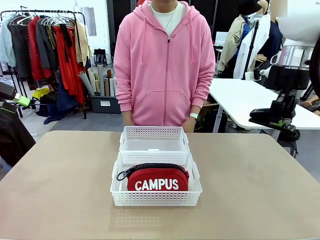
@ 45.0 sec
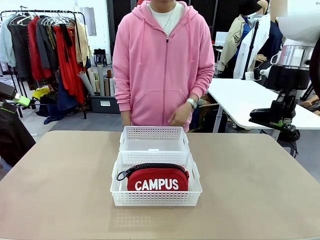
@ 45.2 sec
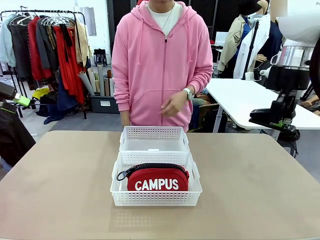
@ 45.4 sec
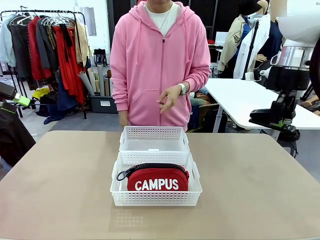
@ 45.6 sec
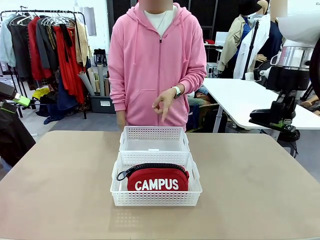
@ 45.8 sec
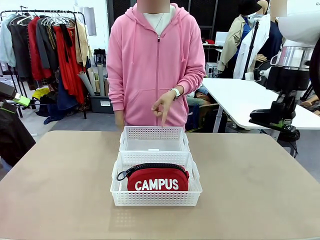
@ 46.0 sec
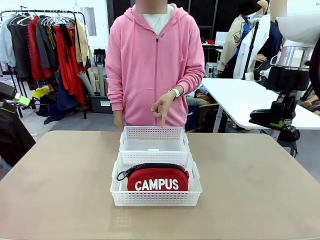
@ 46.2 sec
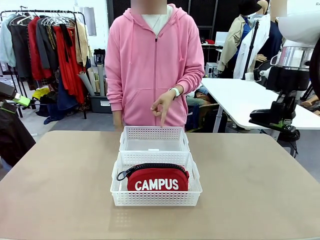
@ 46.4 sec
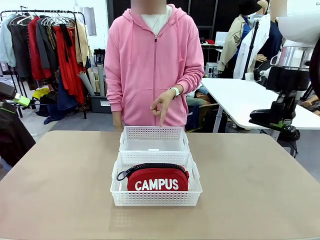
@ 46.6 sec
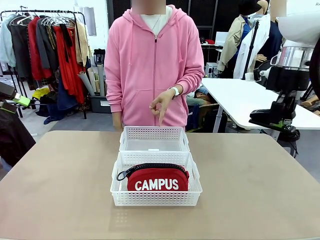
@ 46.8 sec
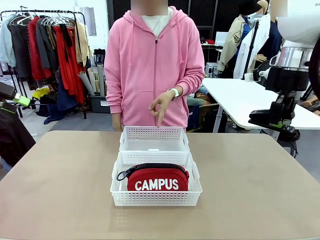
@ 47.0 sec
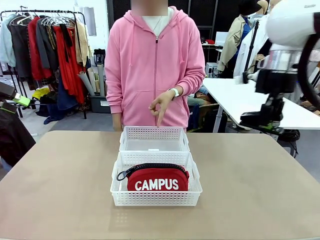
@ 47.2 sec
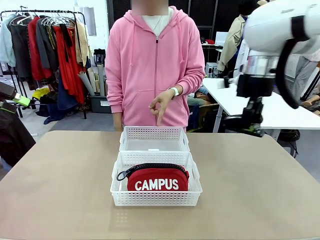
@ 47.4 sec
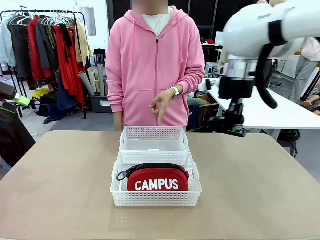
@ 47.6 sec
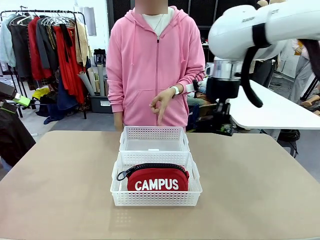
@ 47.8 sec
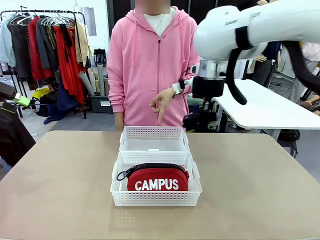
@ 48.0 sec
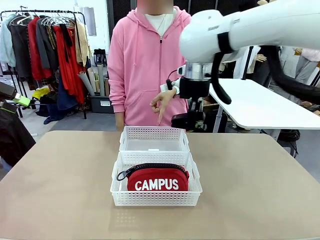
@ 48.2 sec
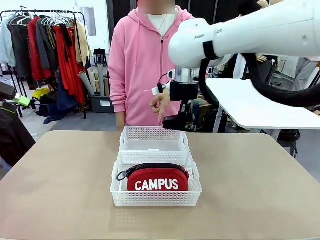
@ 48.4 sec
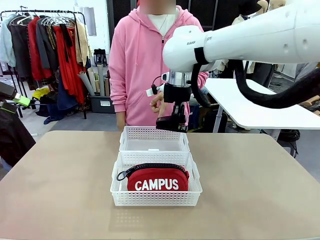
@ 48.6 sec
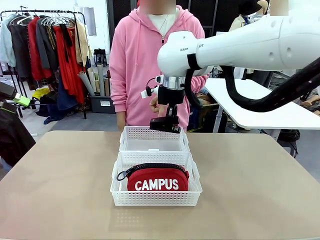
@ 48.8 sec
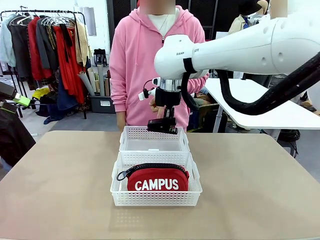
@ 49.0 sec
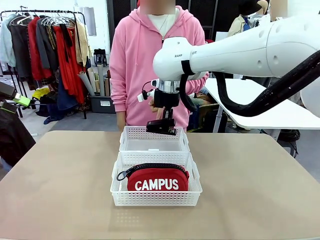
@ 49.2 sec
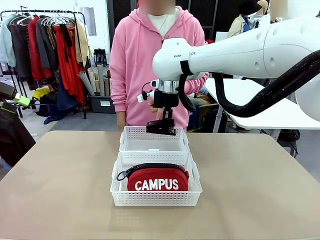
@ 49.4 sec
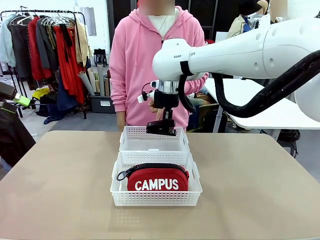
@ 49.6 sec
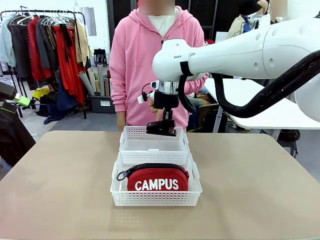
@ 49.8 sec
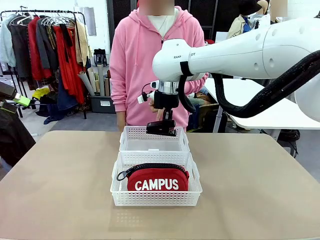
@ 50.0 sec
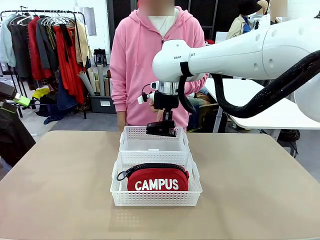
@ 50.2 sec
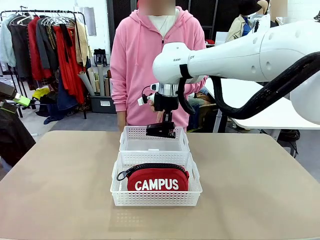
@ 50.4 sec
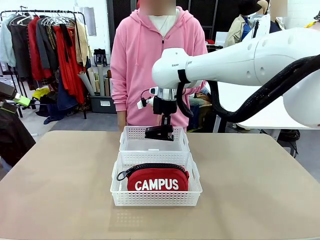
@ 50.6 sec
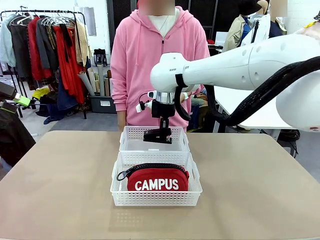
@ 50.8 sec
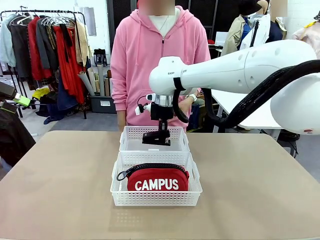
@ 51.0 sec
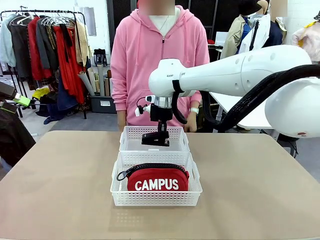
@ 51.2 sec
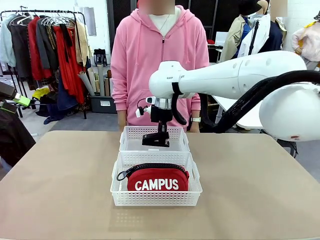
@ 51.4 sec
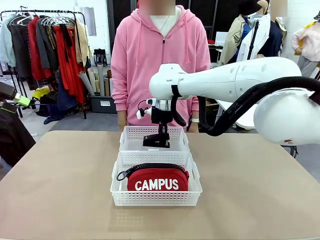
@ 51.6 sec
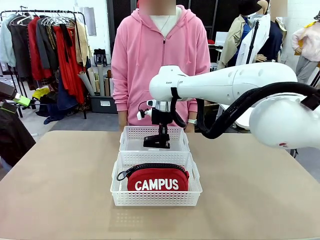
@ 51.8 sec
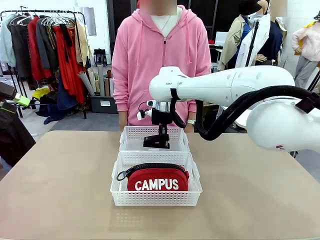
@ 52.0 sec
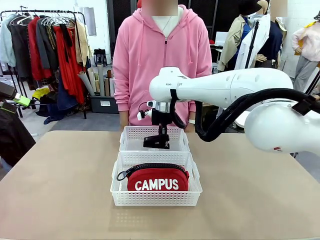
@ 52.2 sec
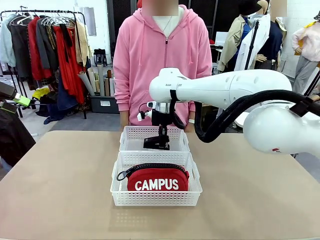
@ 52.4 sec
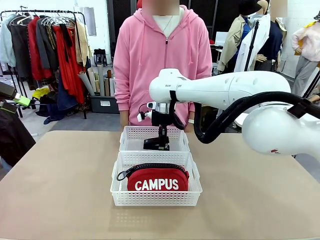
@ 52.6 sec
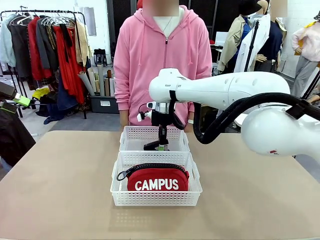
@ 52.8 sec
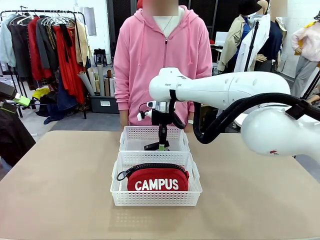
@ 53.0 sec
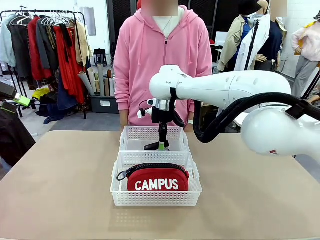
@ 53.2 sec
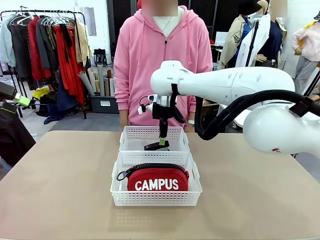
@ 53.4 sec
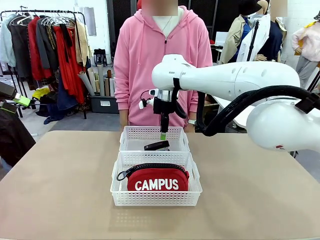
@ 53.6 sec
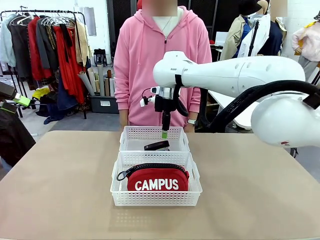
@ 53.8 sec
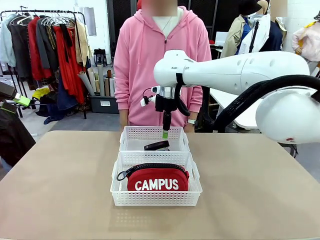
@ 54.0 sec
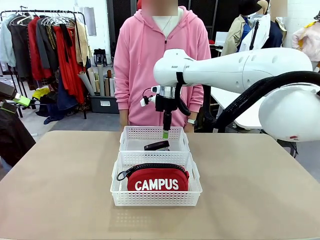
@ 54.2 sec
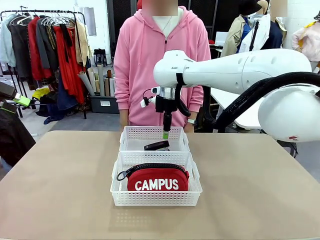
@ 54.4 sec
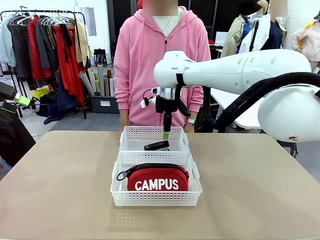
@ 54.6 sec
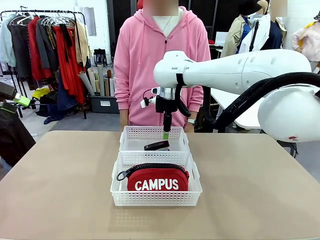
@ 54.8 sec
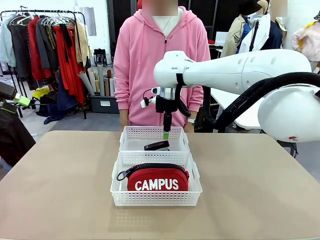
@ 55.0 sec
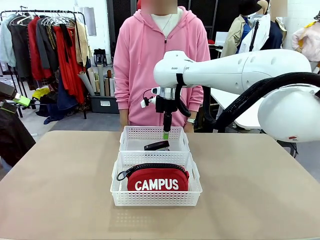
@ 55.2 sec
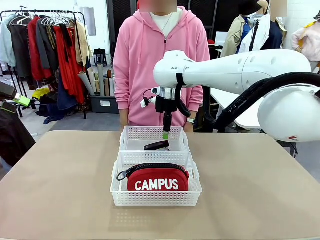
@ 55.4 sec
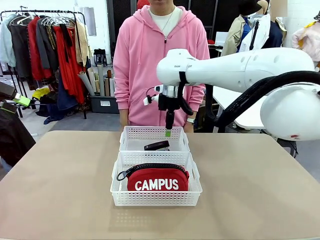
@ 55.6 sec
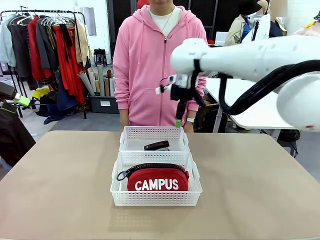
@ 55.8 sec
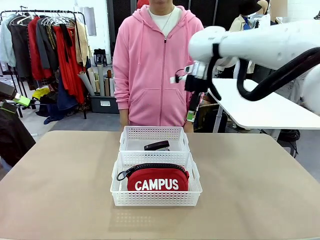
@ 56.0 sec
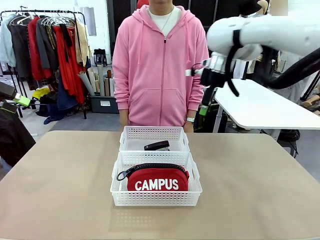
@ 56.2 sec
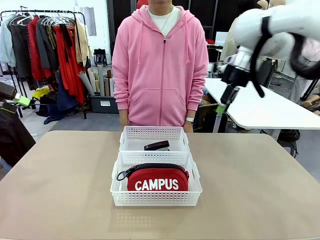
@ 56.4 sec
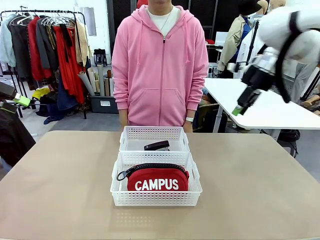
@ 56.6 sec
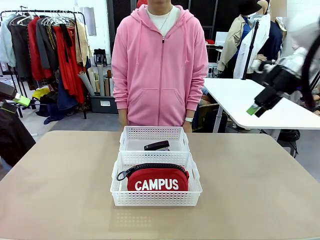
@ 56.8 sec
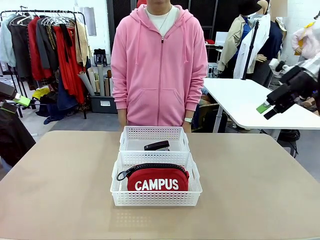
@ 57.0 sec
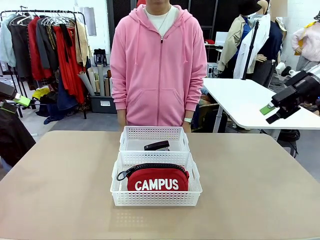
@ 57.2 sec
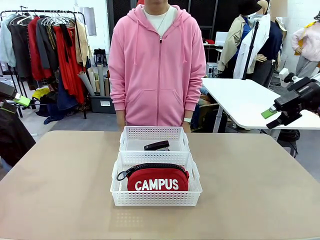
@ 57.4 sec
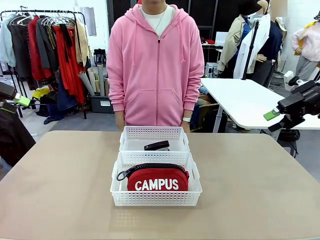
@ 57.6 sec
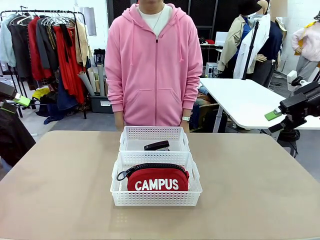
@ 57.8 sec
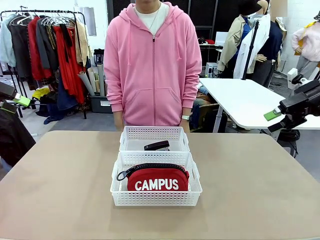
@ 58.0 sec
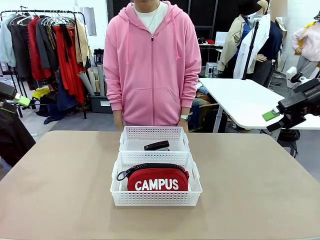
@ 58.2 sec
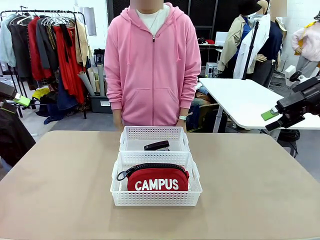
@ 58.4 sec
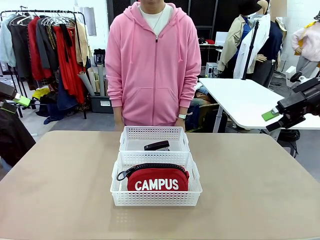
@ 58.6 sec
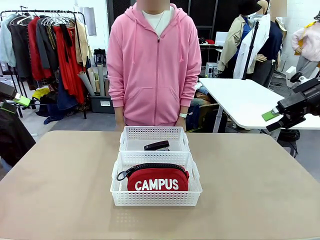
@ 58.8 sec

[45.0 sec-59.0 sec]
Task: Distribute items into two baskets.
Robot: Place the picked Stapler into the Organizing basket as instructed by the person.
Person: Points to the basket that does not contain the pencil case and instructs the robot to move the stapler there.
